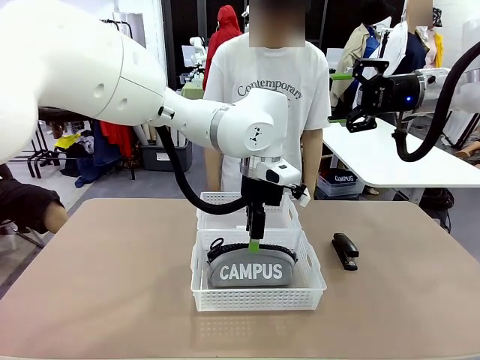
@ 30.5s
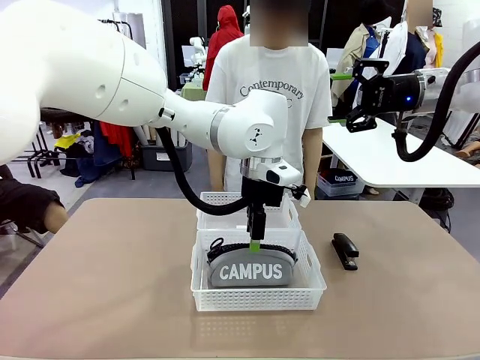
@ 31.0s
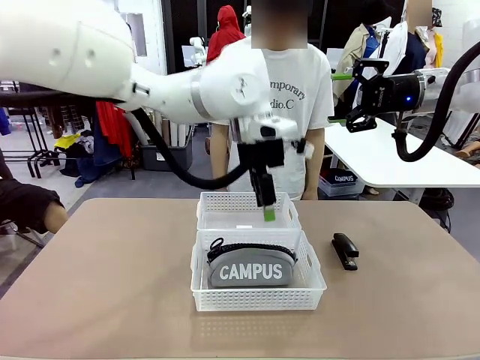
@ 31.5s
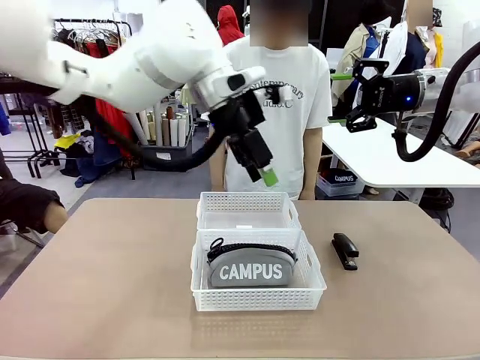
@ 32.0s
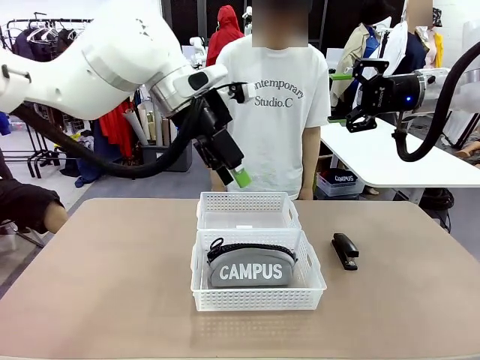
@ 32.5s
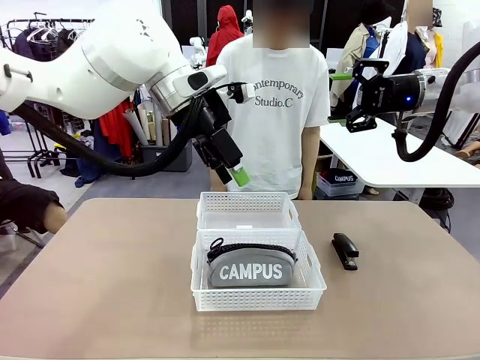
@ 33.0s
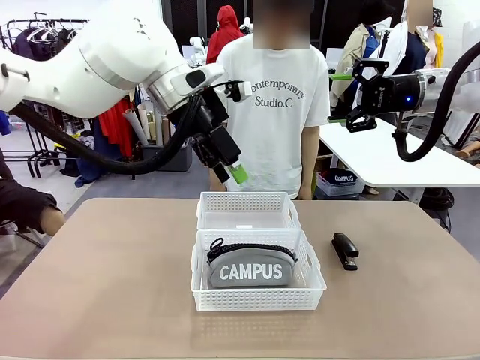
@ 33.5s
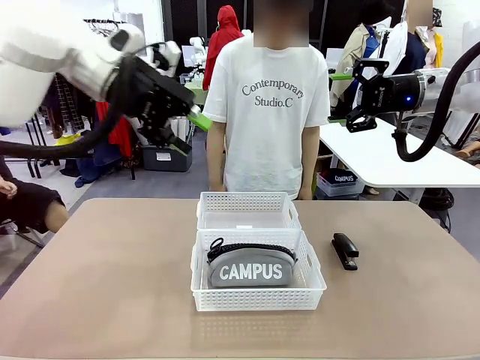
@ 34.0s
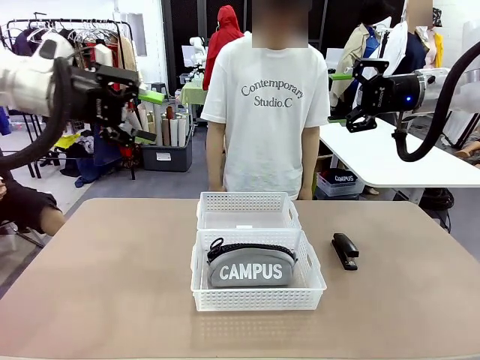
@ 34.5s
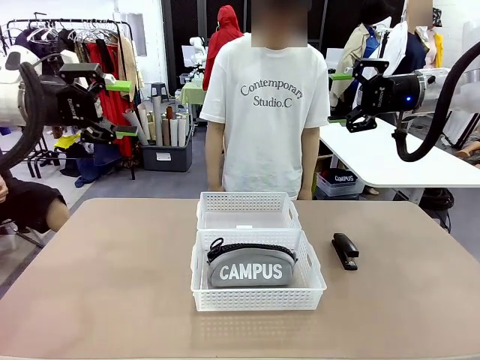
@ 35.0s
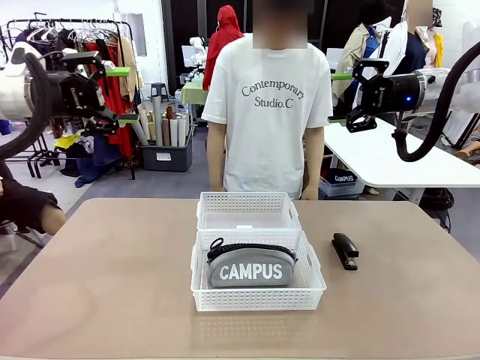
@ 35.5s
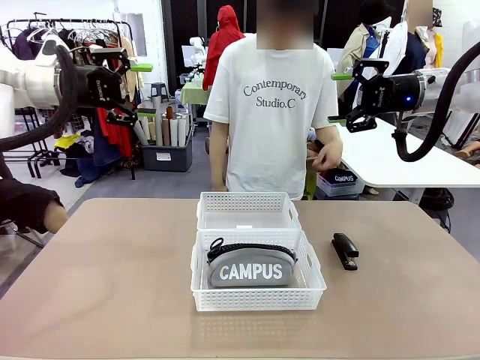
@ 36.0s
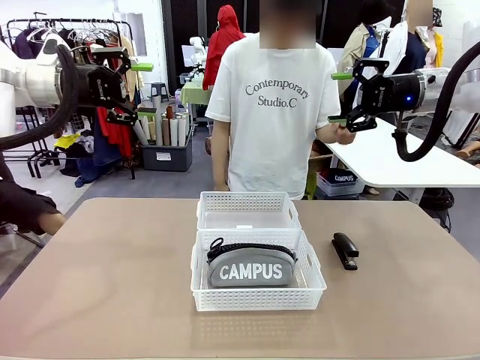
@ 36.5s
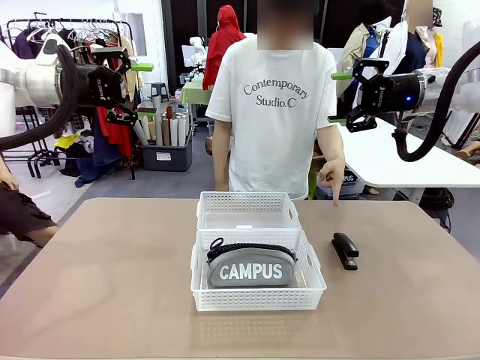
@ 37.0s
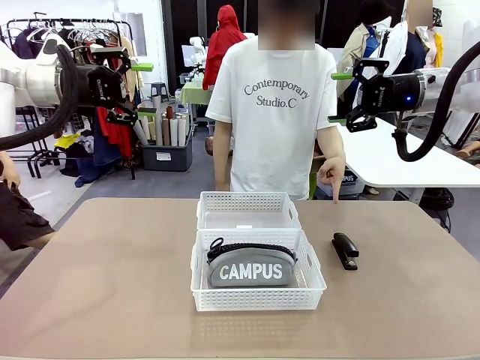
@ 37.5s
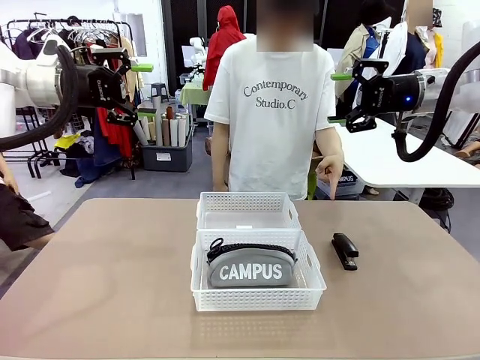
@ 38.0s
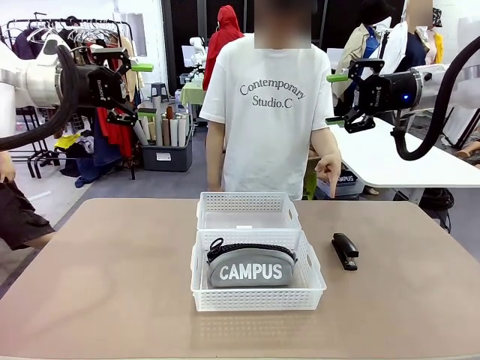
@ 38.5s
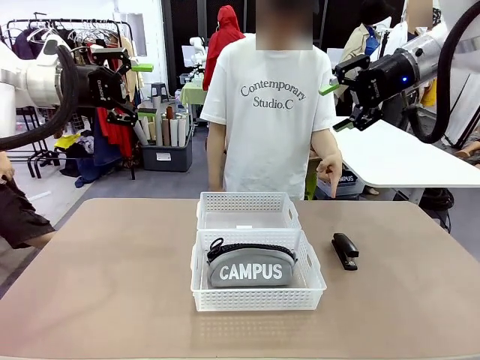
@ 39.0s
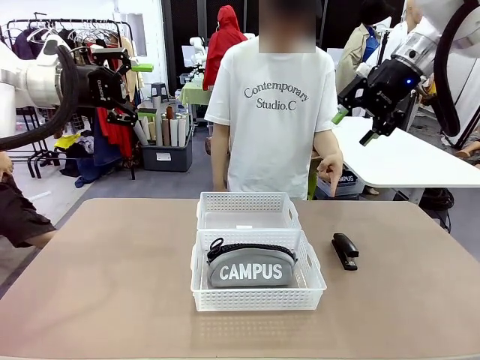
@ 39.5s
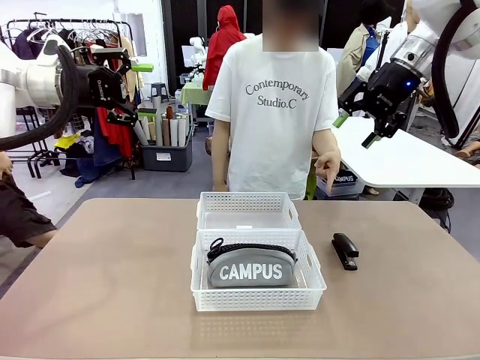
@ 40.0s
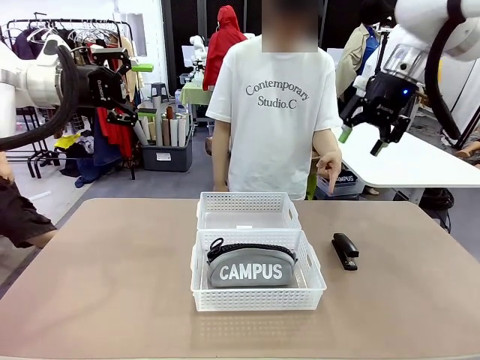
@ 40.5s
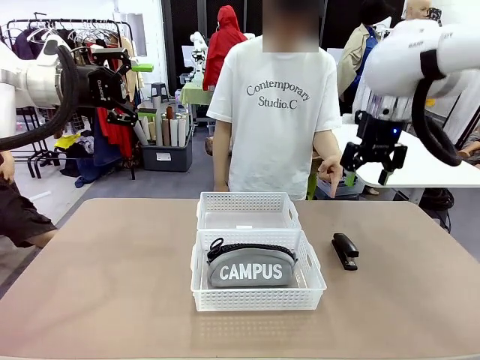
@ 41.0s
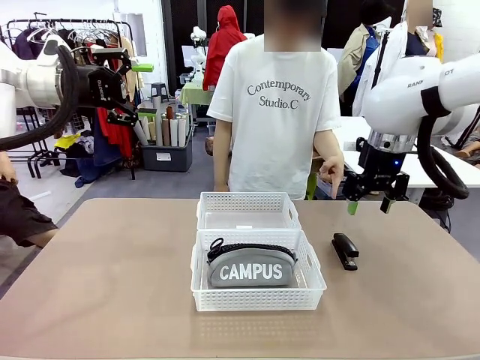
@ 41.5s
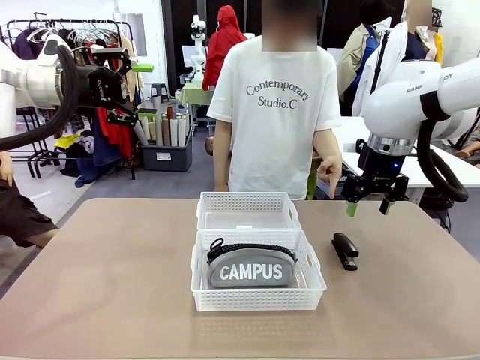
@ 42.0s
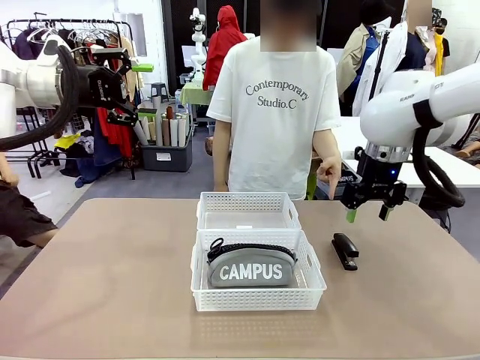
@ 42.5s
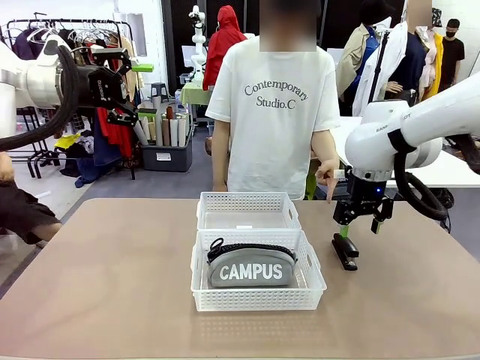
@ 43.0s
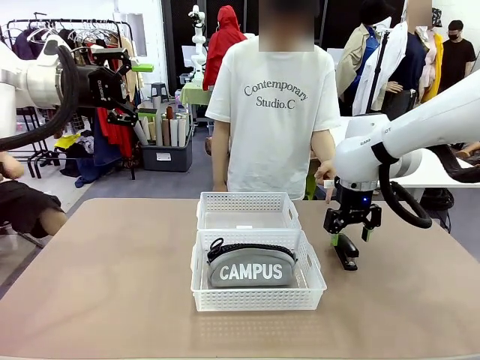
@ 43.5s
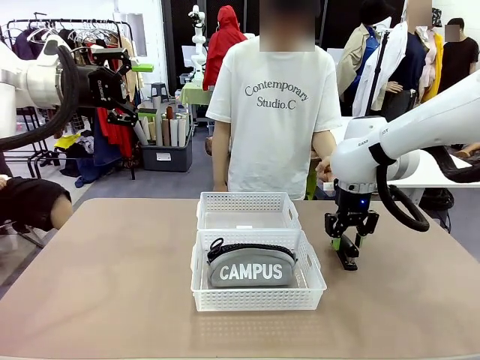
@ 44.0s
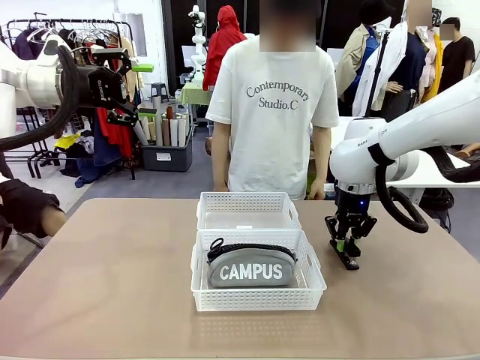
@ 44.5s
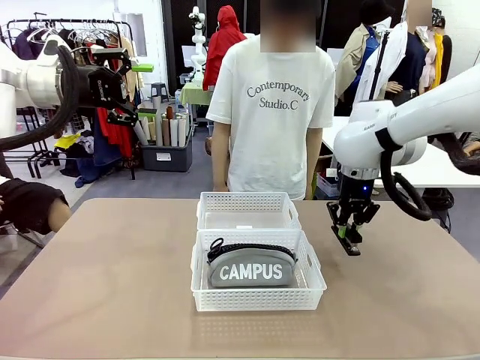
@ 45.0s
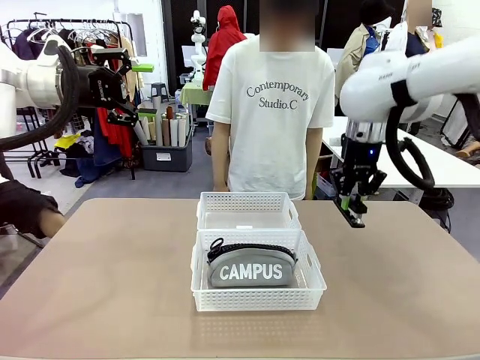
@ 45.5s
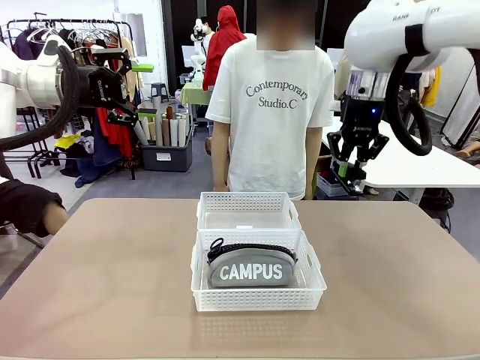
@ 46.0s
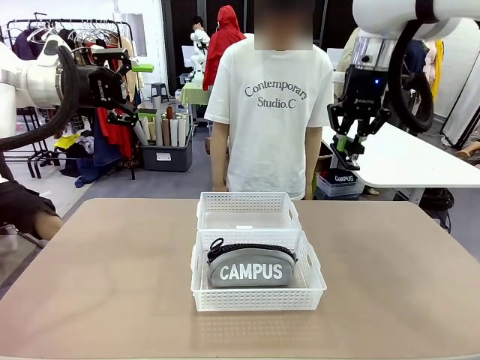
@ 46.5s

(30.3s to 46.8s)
Task: Distribute items into two baskets.
Robot: Pick up the Stapler that the person points to.
Person: Points to the stapler.

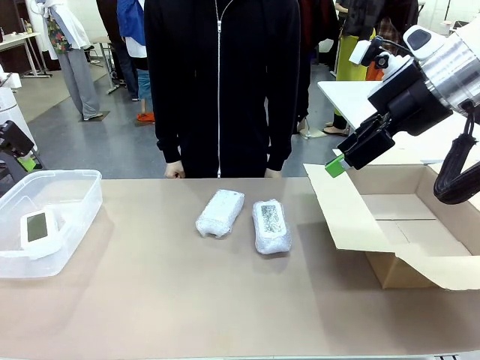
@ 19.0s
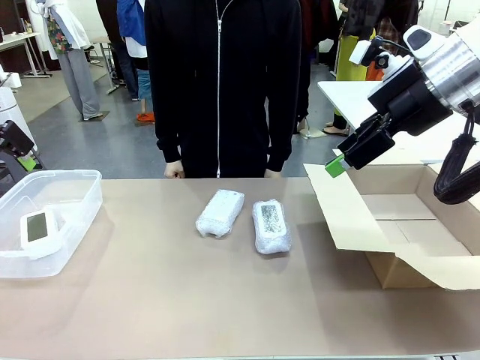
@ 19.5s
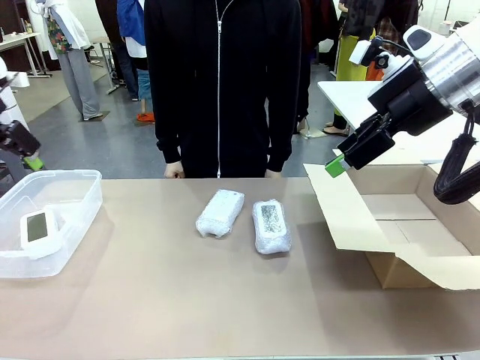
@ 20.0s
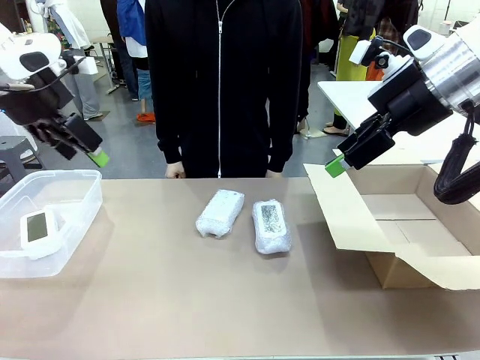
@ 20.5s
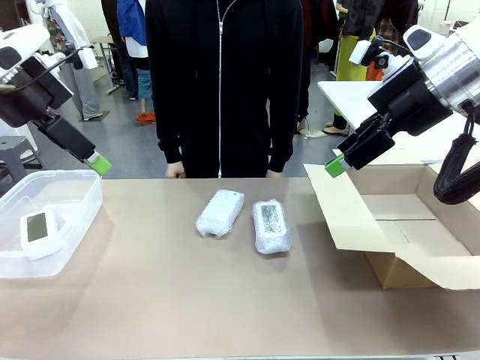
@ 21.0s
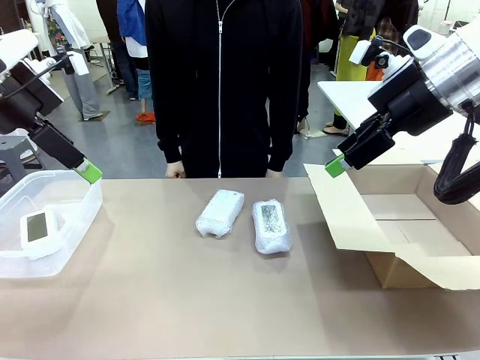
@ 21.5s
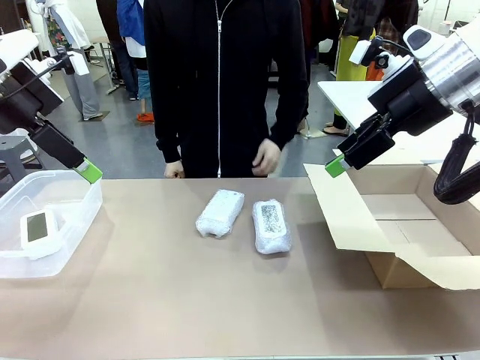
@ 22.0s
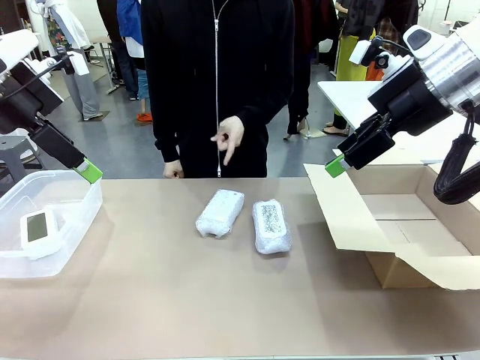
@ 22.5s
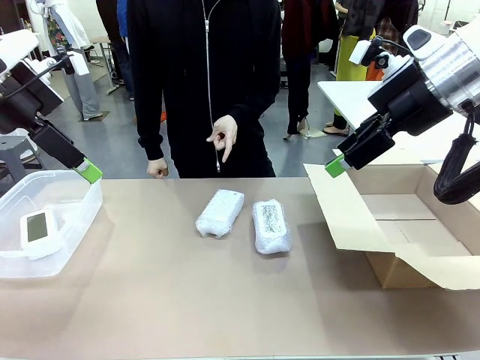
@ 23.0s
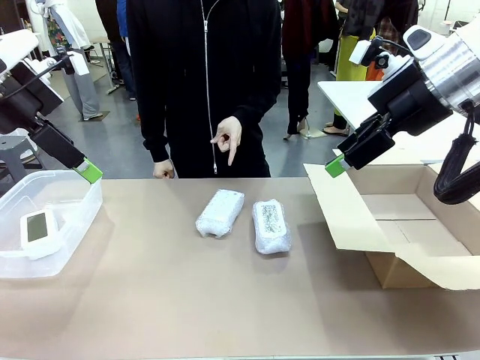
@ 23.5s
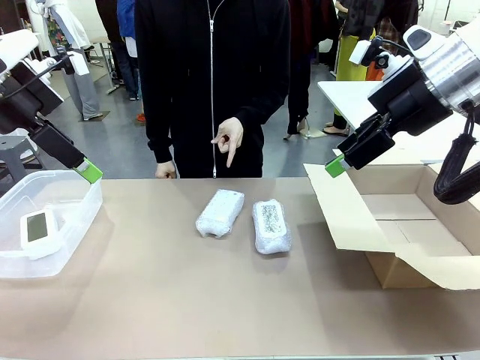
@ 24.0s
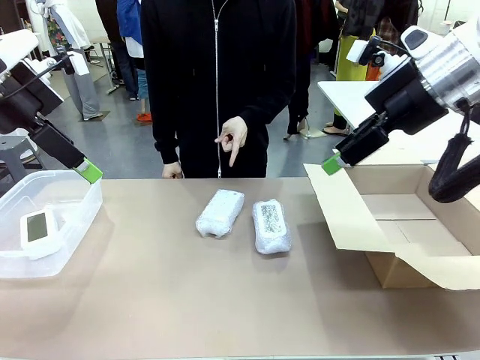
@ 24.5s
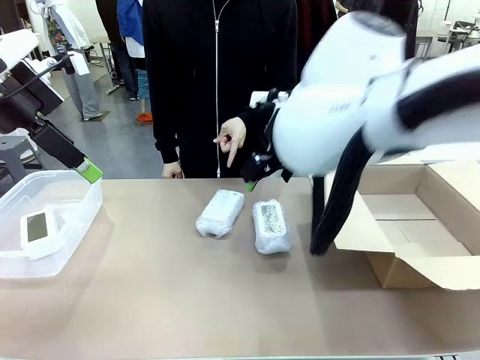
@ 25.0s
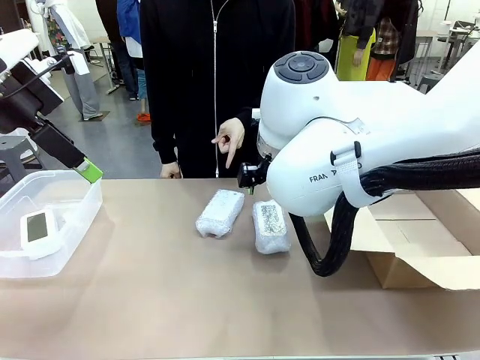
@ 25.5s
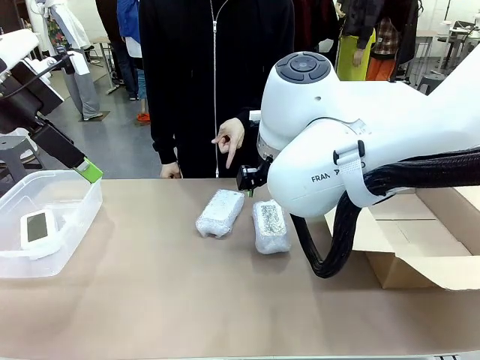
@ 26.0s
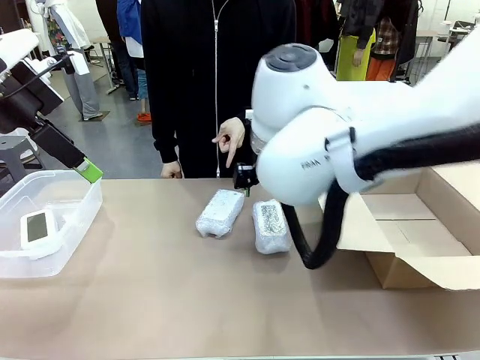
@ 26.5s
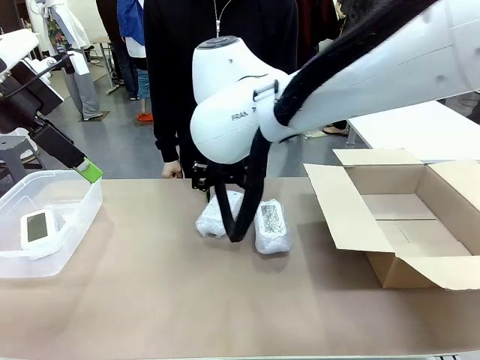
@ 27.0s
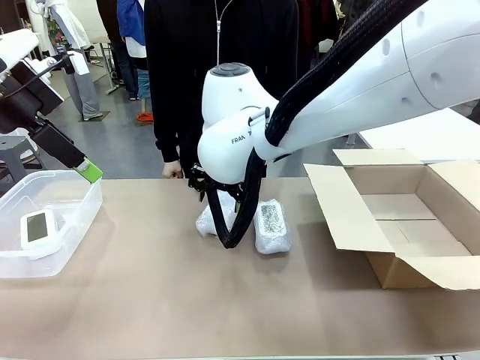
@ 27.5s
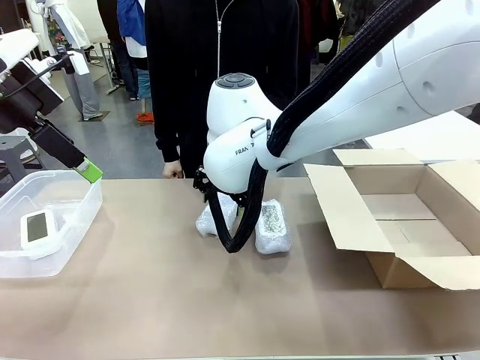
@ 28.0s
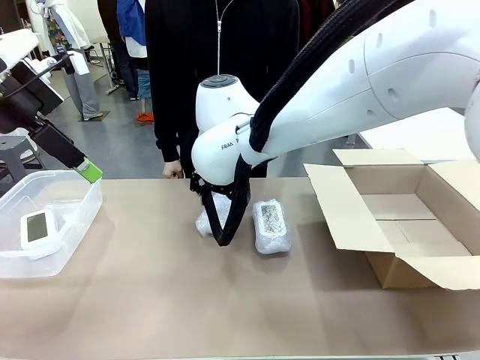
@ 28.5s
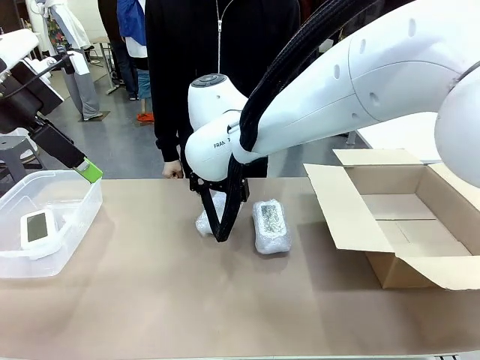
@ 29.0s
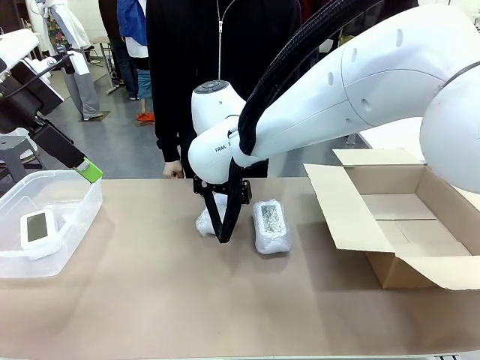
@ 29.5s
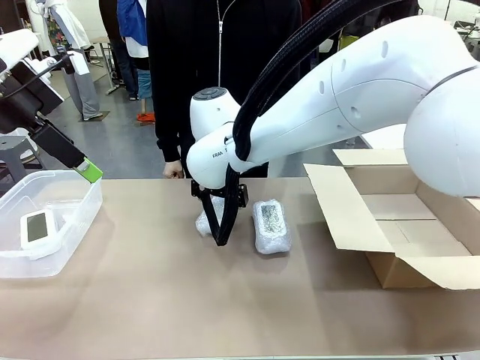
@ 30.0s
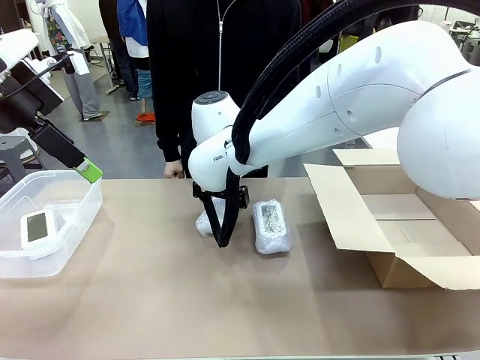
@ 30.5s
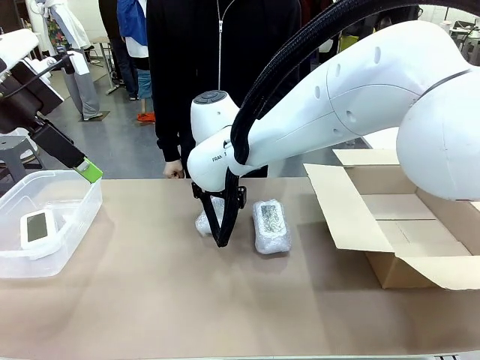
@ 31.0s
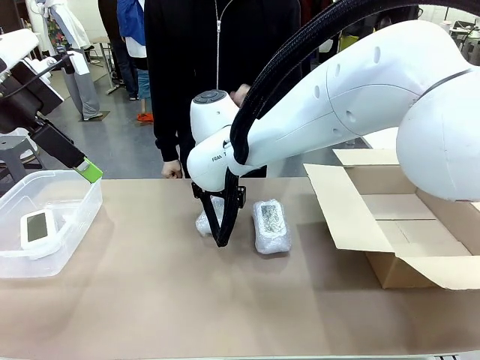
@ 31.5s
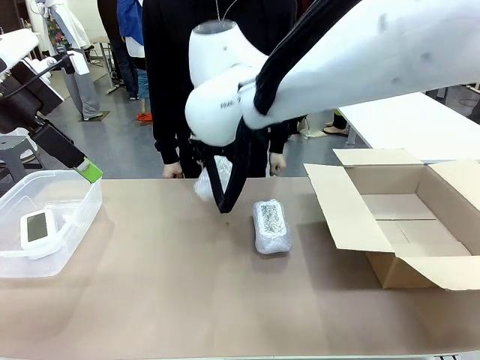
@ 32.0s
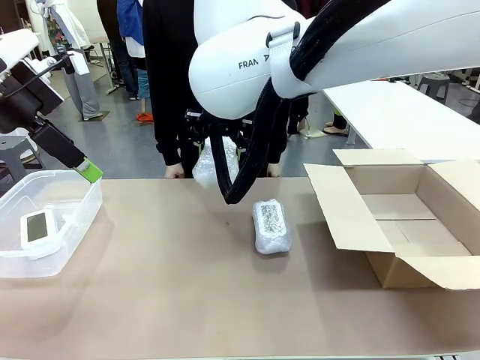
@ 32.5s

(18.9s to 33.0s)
Task: Separate and place wrapped and unwrapped clocks.
Robot: Pick up the Digital clock indicated by the person.
